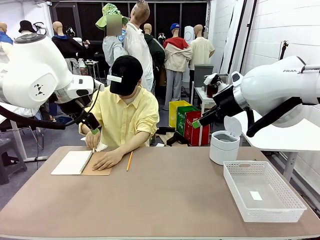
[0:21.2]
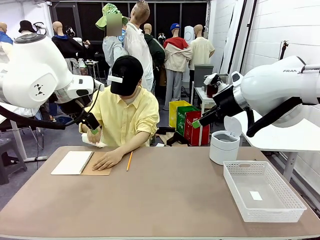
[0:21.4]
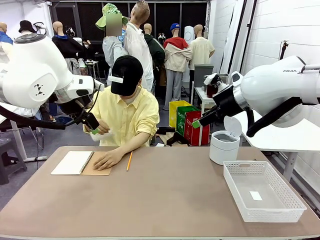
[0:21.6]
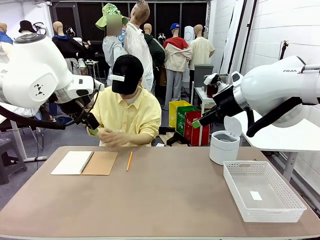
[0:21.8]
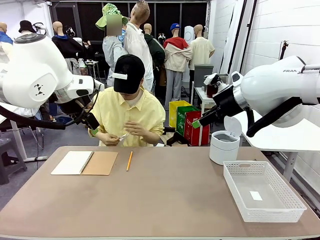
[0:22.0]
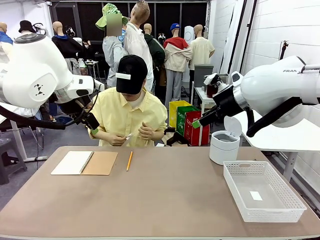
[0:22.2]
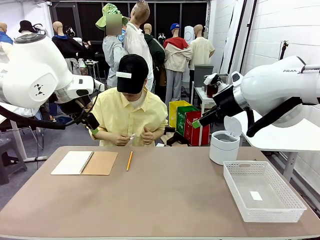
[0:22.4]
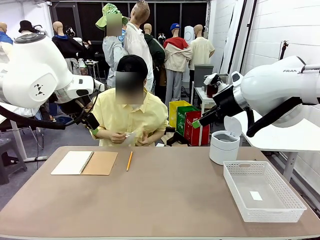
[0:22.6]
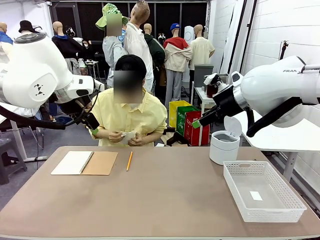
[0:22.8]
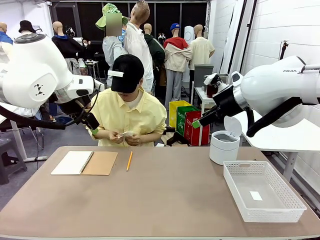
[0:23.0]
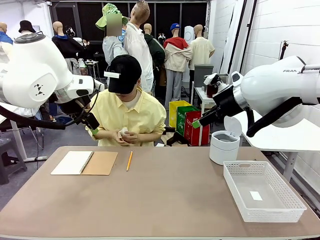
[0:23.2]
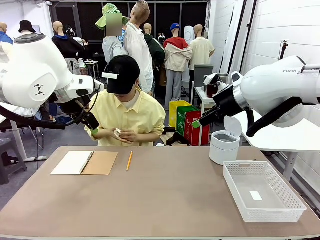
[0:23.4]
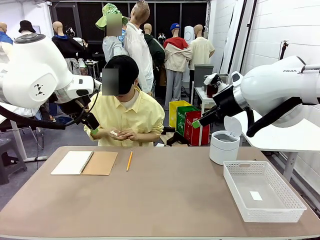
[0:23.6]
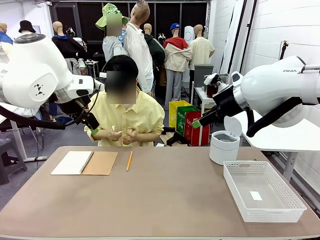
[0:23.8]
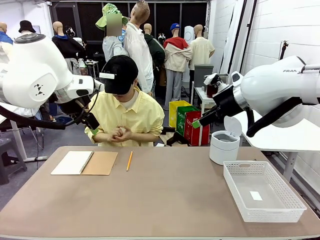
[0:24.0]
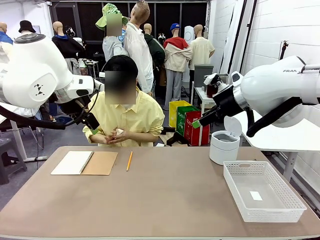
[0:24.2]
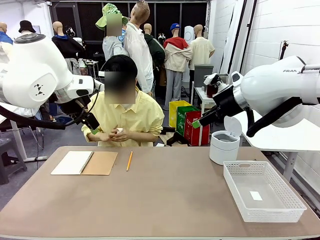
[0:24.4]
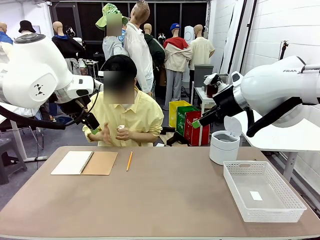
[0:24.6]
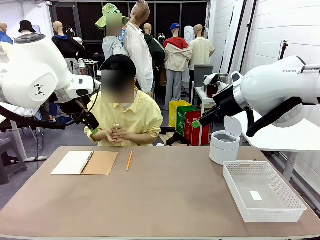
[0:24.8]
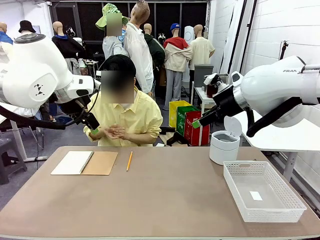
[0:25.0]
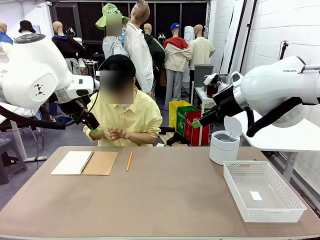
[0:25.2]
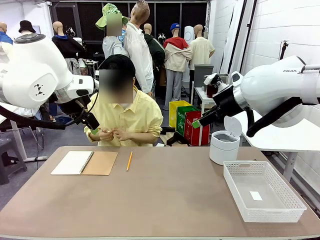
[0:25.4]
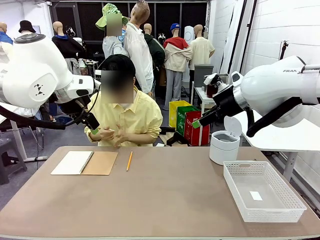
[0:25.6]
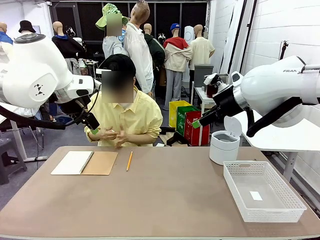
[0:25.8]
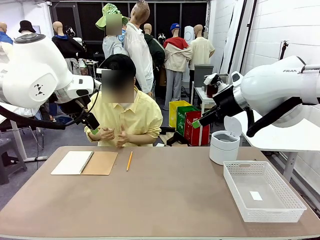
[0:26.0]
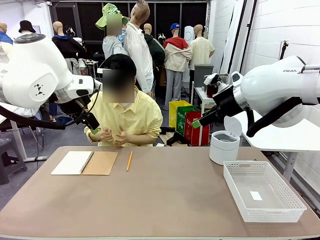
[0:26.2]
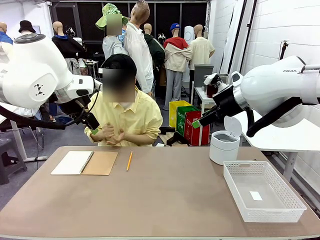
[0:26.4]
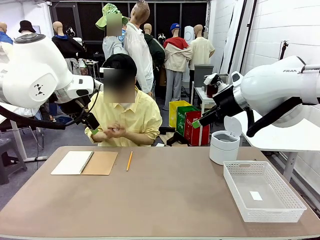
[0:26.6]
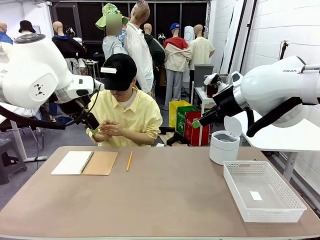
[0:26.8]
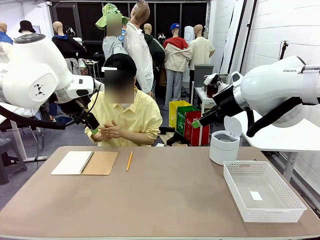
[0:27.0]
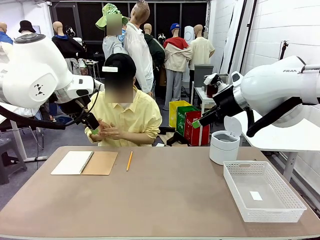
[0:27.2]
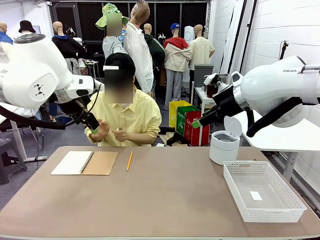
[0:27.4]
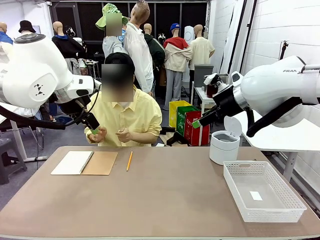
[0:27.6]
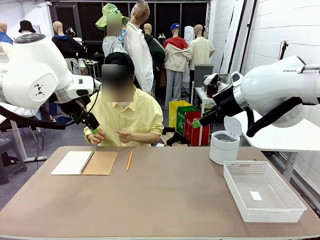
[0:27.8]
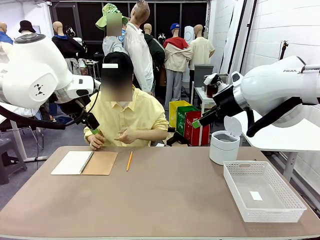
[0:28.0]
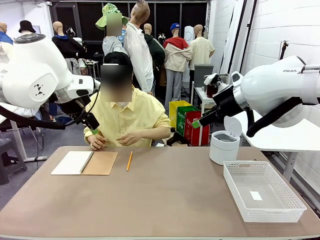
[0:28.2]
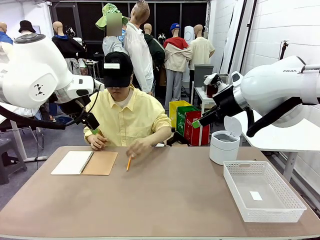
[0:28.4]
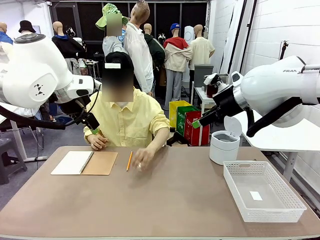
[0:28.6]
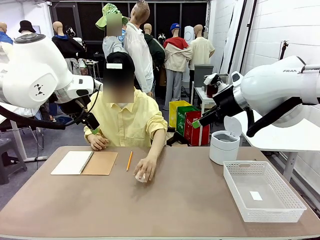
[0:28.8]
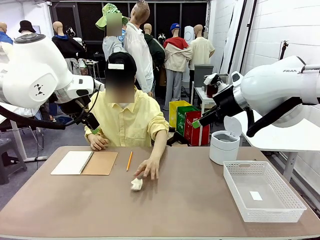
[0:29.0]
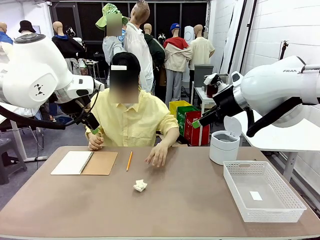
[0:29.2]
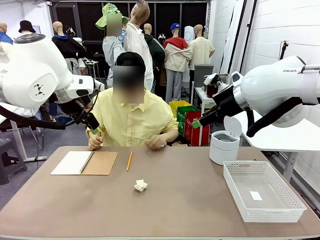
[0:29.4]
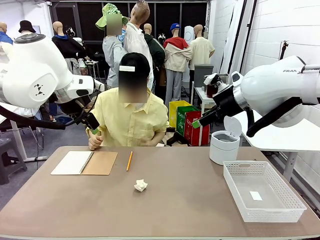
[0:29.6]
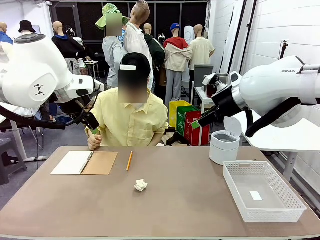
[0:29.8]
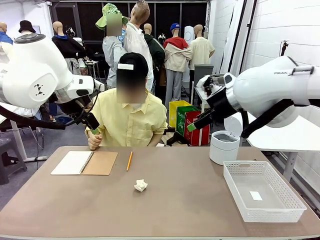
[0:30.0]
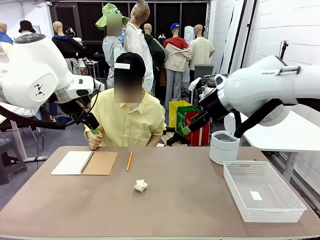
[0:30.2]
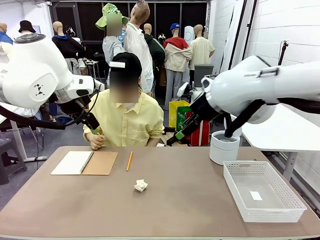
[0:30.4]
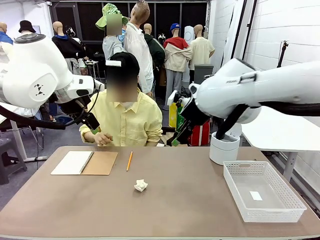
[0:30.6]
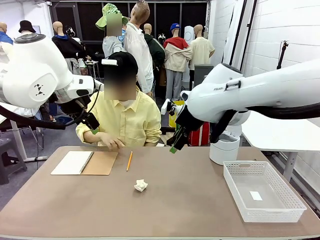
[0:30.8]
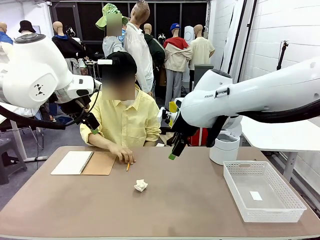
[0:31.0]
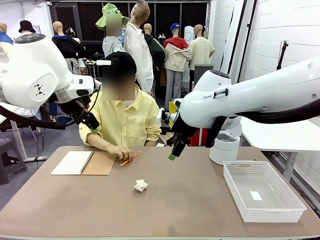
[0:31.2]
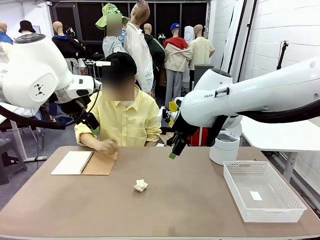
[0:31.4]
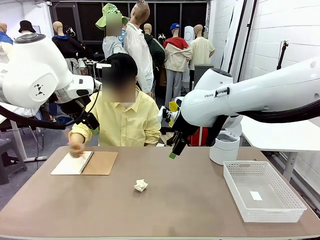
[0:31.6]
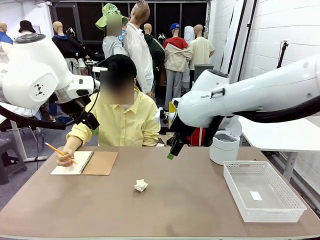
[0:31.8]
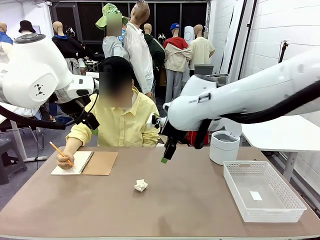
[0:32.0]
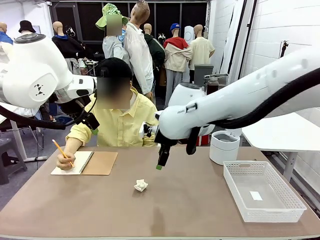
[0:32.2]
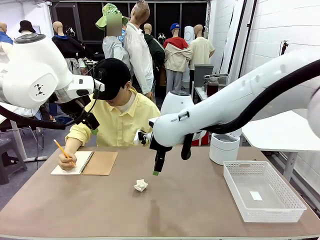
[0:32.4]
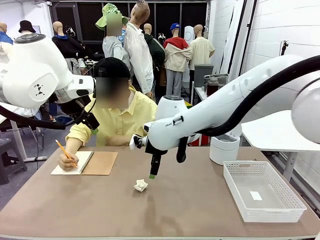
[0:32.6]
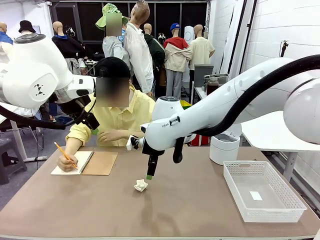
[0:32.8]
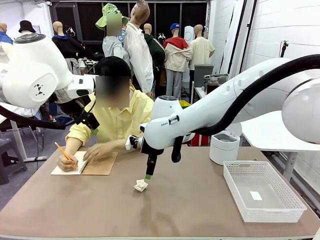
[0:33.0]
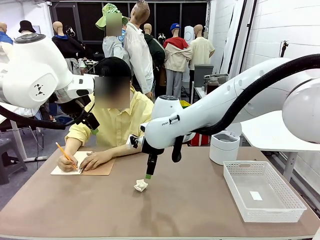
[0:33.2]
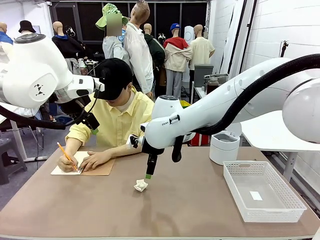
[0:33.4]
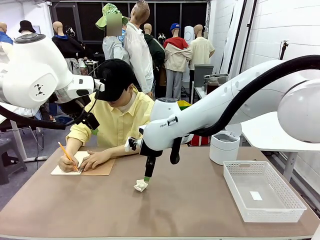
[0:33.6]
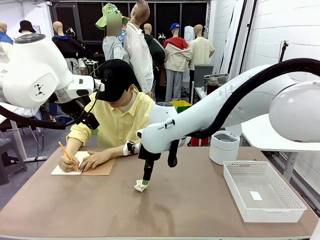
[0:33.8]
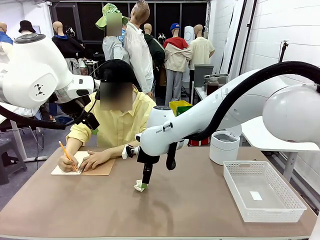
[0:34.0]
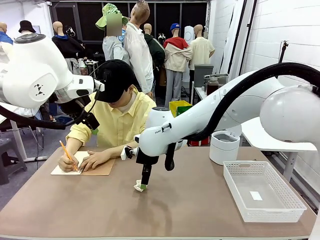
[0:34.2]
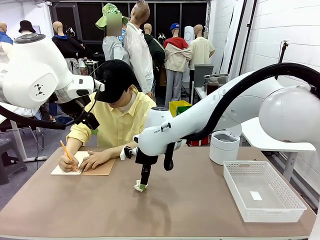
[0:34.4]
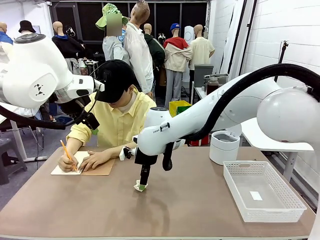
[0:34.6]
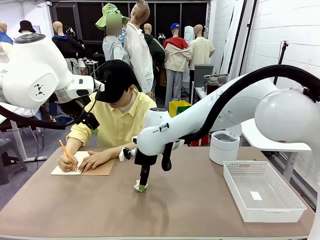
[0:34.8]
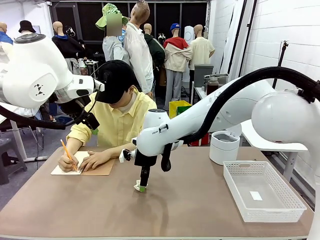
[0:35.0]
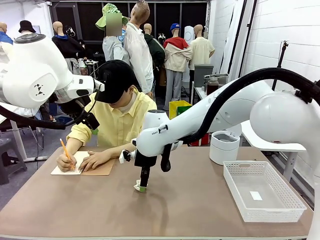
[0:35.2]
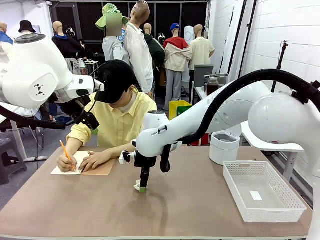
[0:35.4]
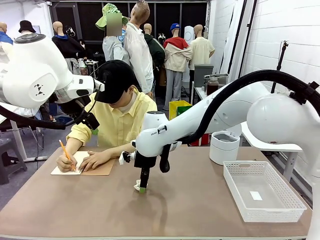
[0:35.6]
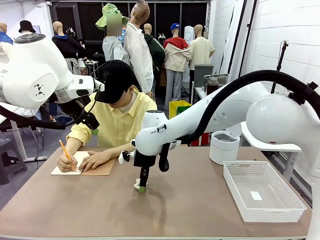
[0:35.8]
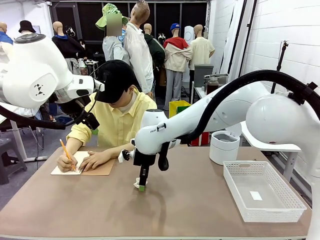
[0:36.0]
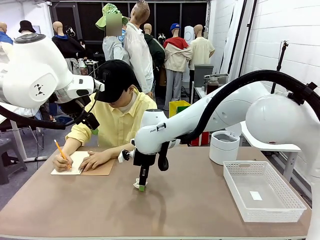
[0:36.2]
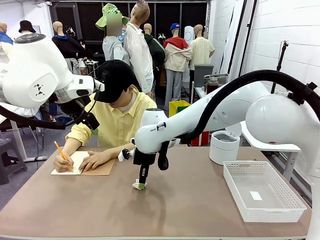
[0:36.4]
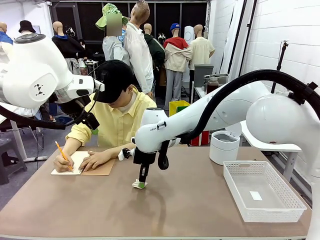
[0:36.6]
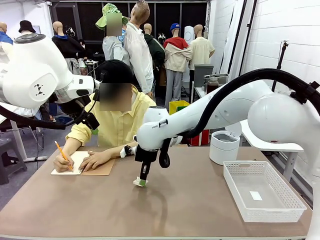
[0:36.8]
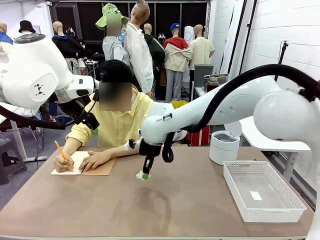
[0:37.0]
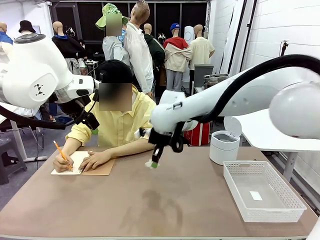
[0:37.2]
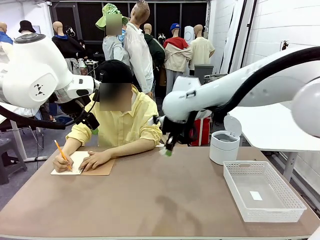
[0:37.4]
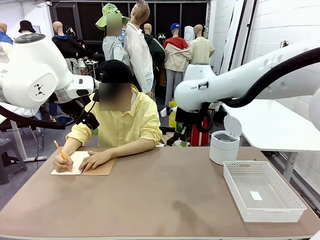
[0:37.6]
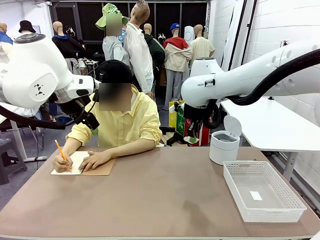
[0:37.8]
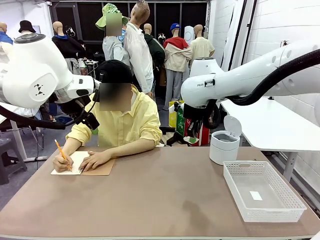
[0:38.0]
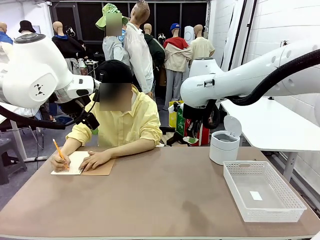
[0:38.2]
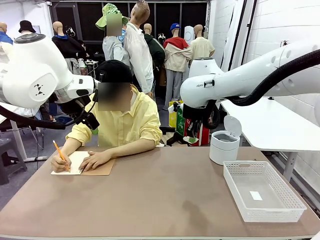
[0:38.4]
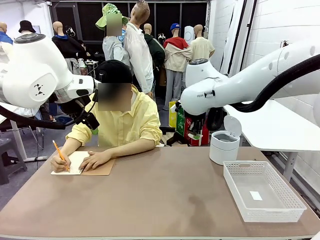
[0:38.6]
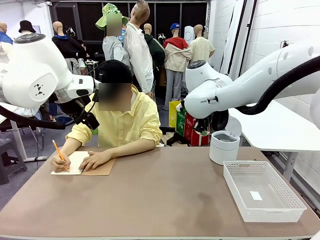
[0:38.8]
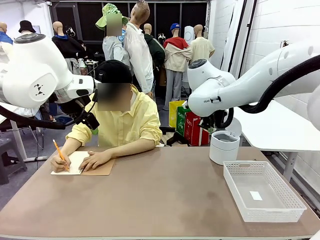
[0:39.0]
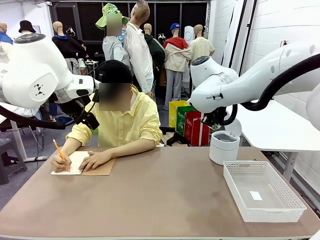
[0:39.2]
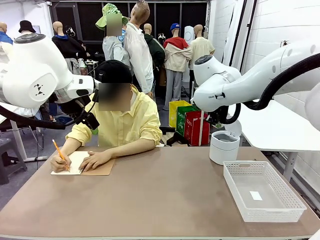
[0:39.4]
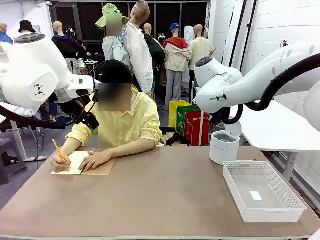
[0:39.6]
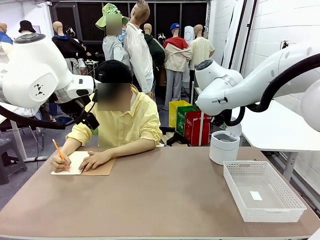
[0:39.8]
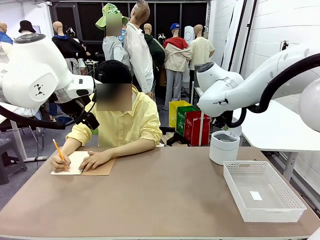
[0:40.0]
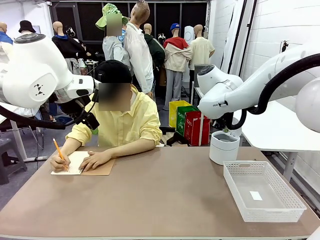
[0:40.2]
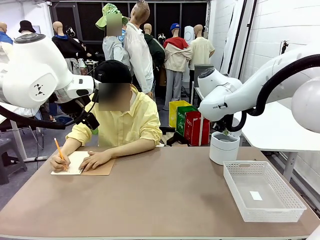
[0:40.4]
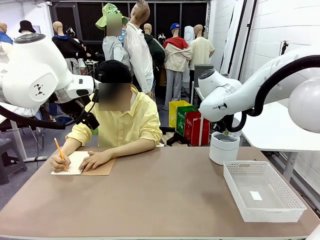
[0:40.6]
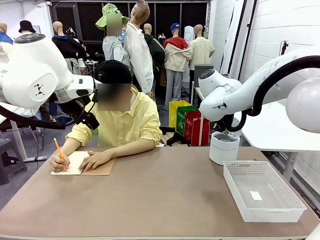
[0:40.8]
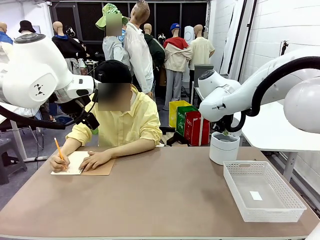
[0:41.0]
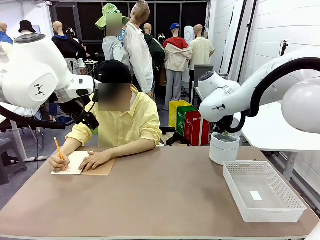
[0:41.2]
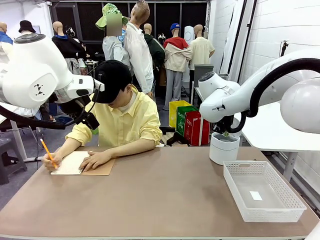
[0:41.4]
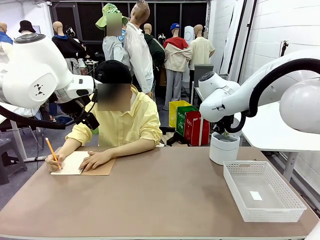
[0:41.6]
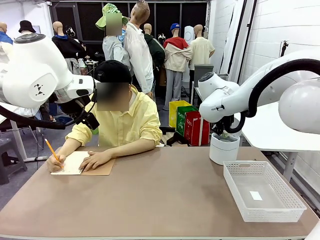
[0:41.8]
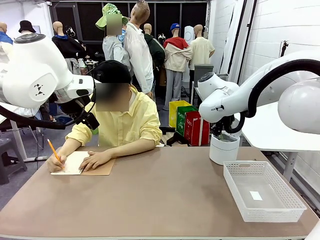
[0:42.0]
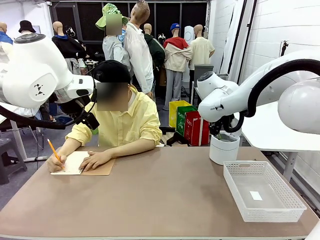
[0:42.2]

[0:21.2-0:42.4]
Task: Sort the paper based on its condition.
Robot: If a person hands you a paper, place it in the Organizing basket , and if it's crumpled, put it in the Trash can.
Person: Hand the torn page to the robot or crumple it and throw it to the center of the table. Tear out a page from the spiral notebook.
